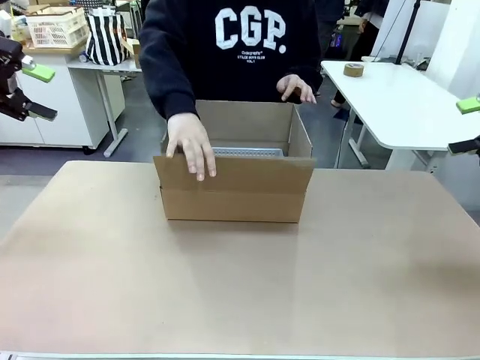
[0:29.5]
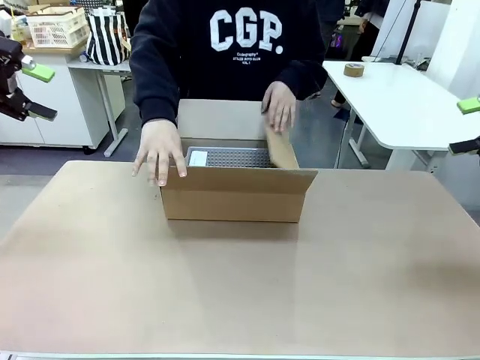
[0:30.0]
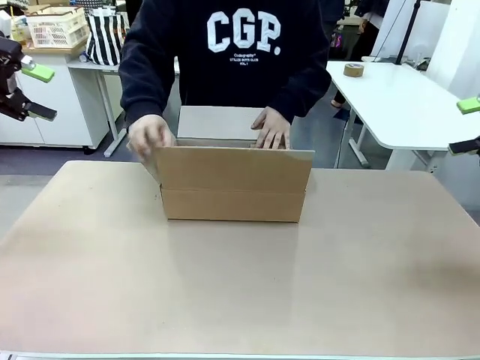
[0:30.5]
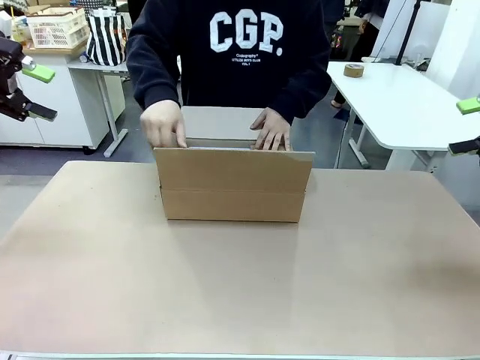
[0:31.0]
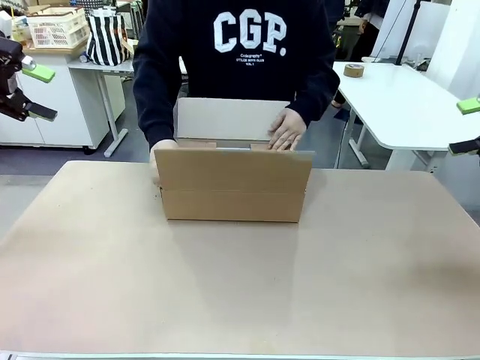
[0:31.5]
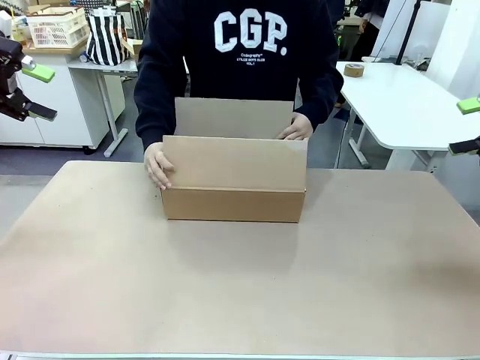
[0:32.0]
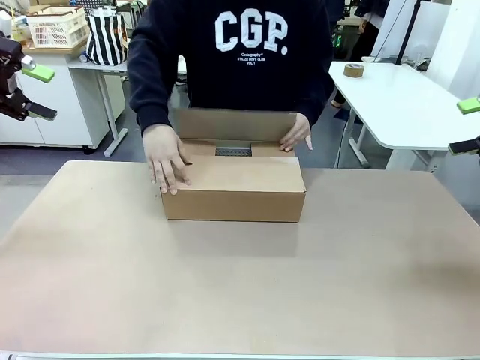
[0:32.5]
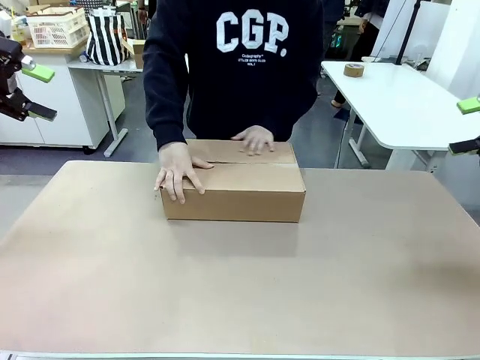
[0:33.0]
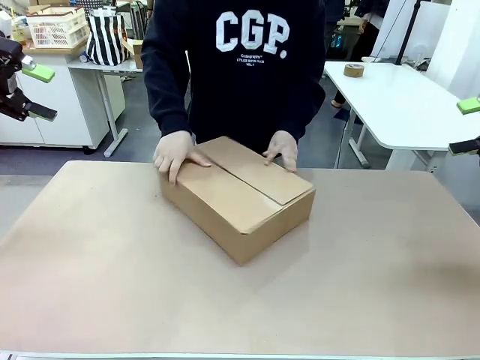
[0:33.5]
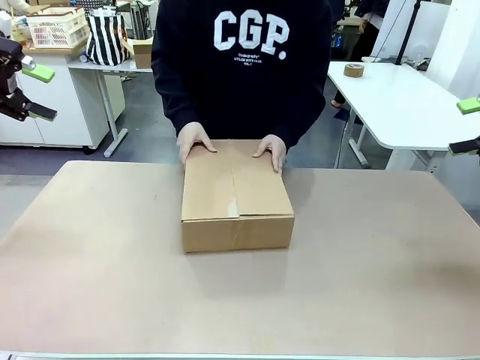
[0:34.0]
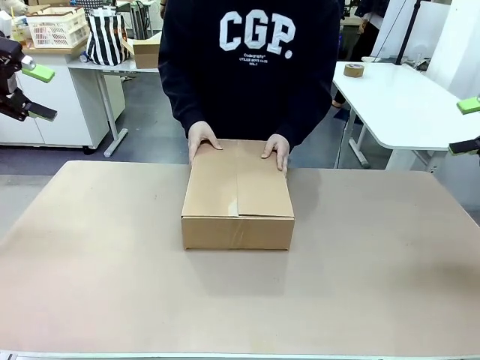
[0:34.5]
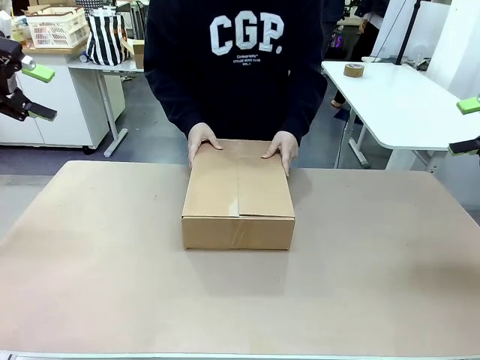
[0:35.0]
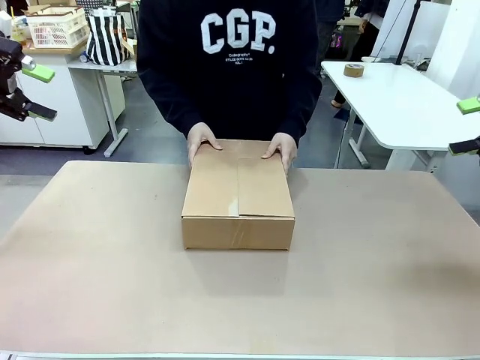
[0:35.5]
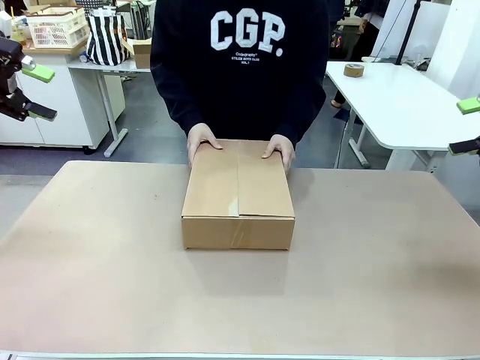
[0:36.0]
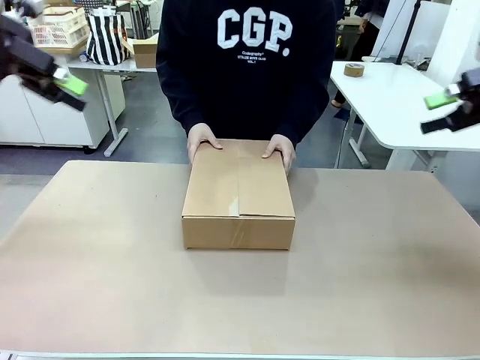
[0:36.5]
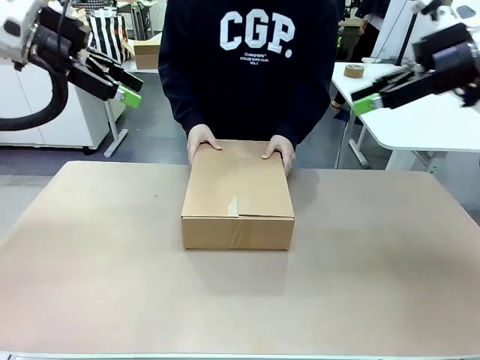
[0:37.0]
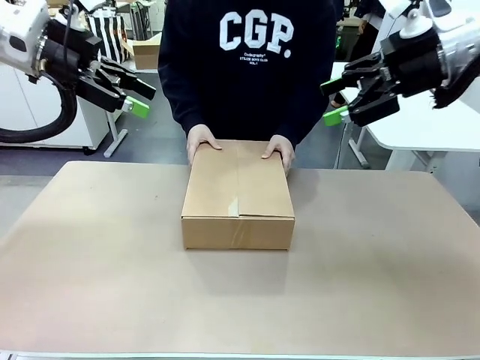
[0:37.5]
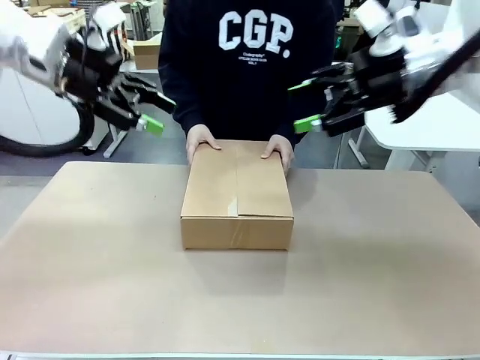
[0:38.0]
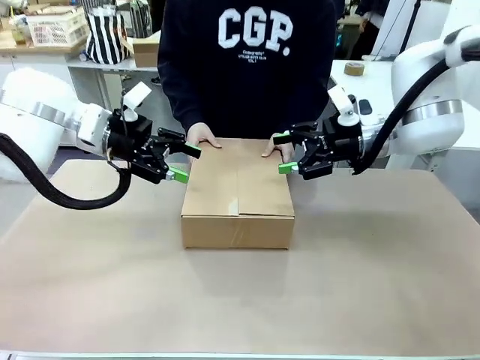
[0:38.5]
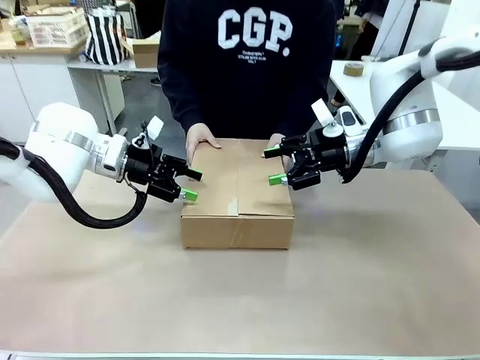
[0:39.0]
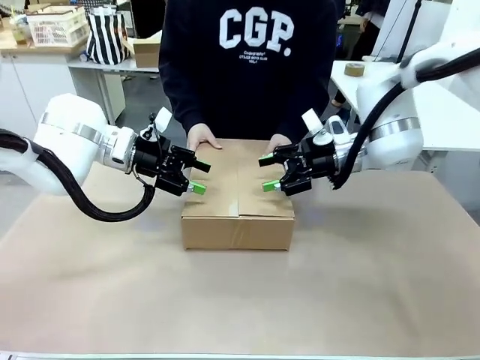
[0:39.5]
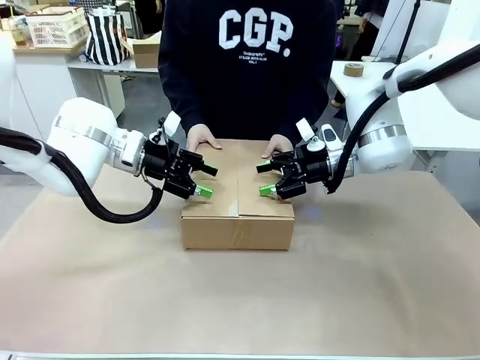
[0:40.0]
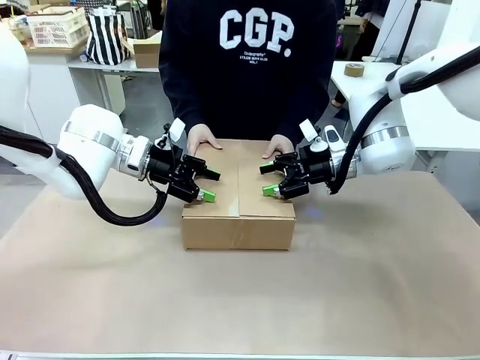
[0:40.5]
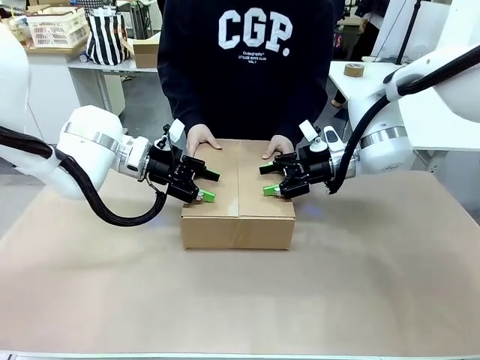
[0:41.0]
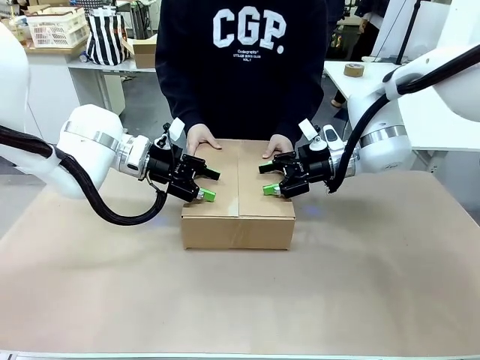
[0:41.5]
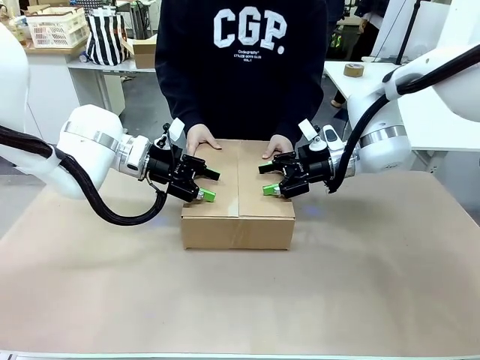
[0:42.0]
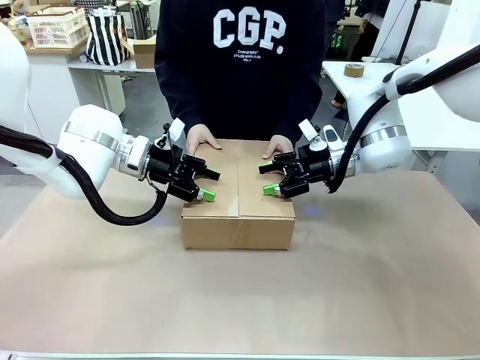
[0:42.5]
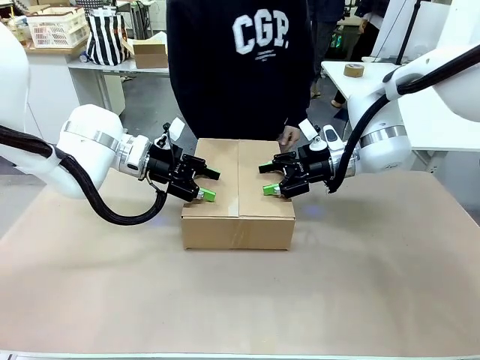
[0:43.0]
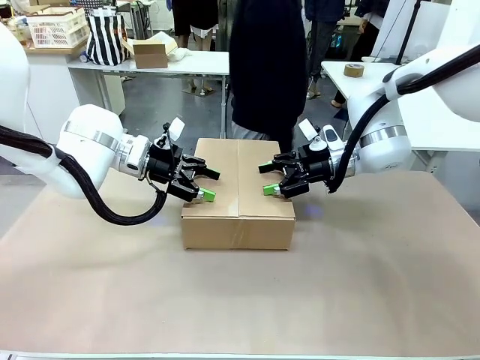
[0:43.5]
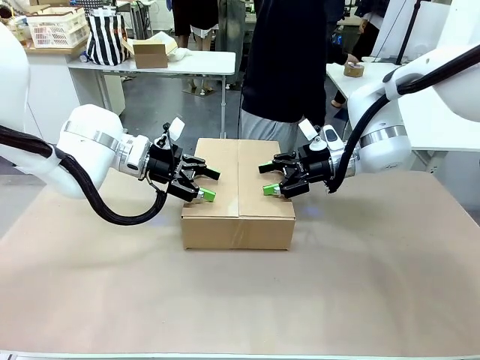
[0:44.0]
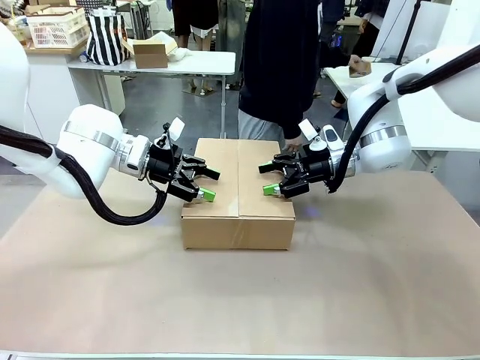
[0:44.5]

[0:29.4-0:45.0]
Task: Pack the gift set into the box.
Robot: Press and hold the closed box until the human finishes sealing it.
Person: The human closes the box and rotates the box by 90 degrees.

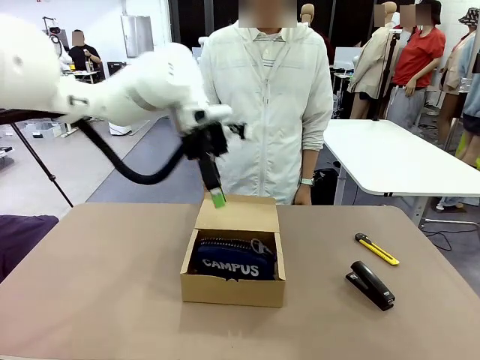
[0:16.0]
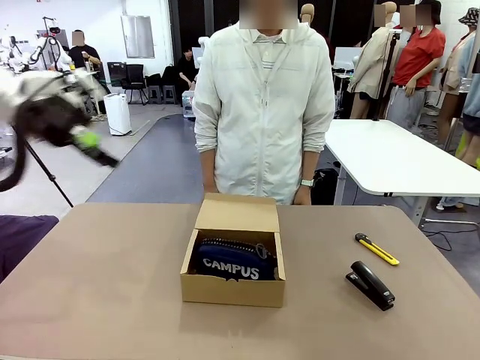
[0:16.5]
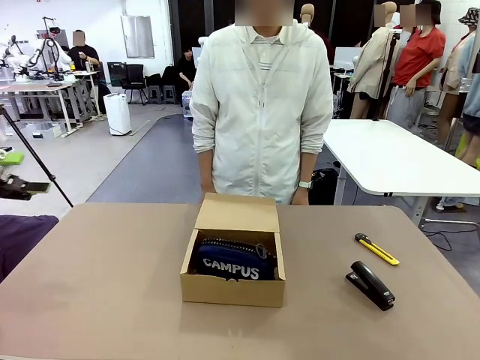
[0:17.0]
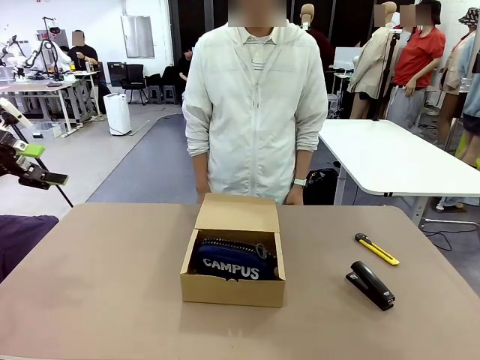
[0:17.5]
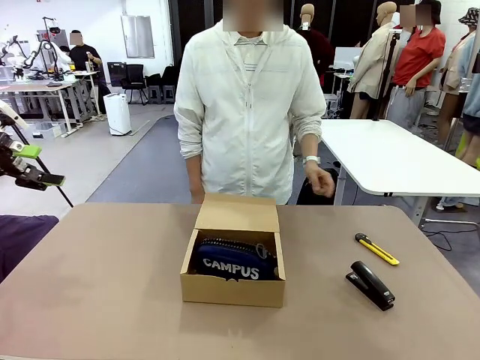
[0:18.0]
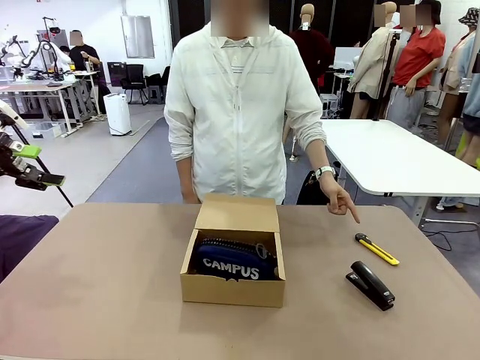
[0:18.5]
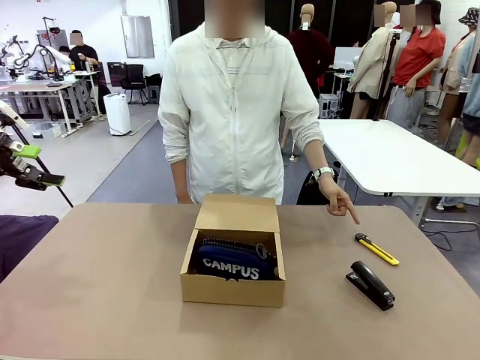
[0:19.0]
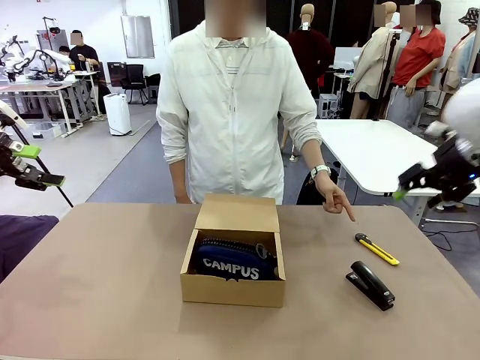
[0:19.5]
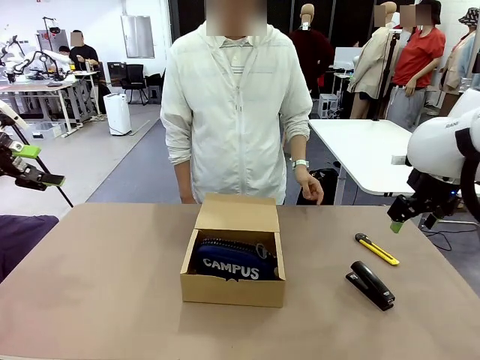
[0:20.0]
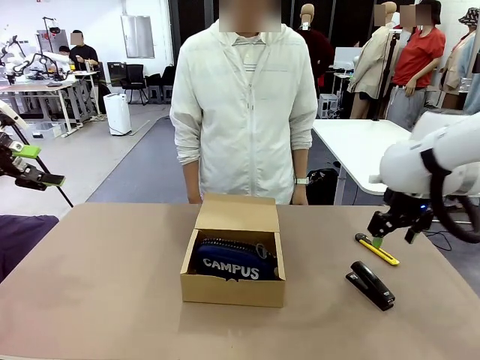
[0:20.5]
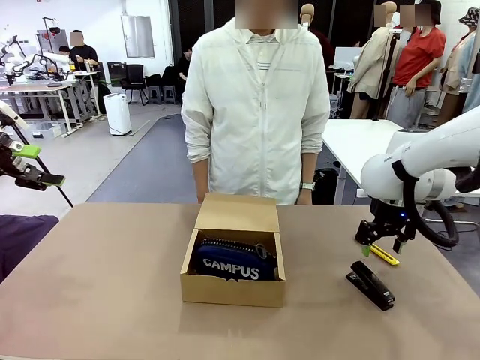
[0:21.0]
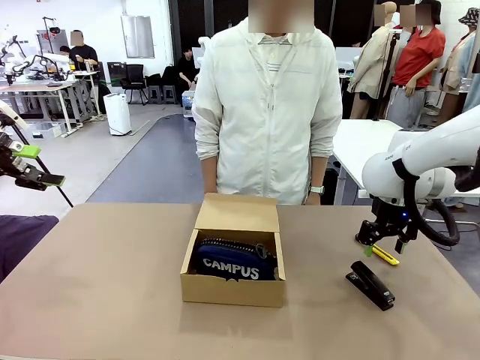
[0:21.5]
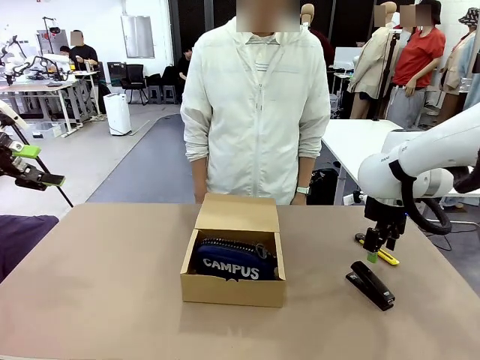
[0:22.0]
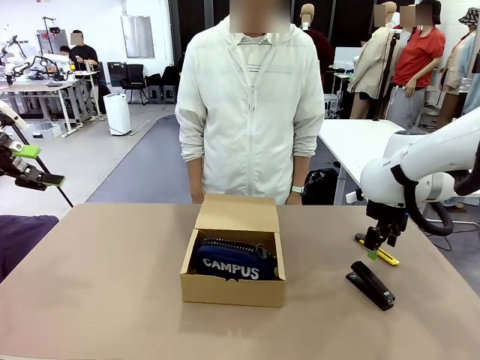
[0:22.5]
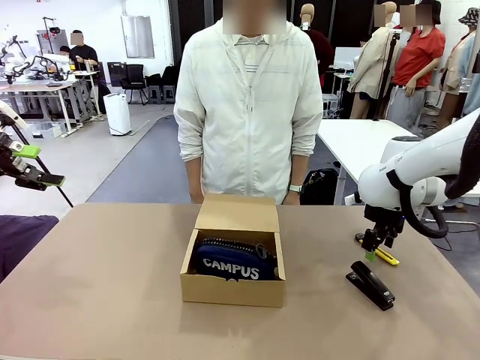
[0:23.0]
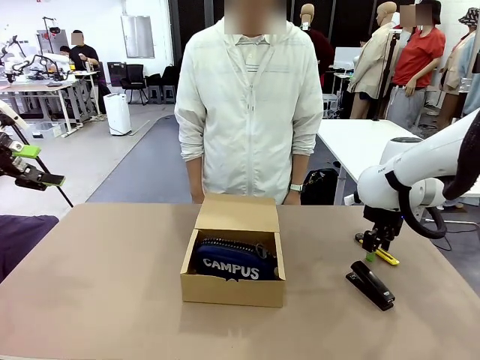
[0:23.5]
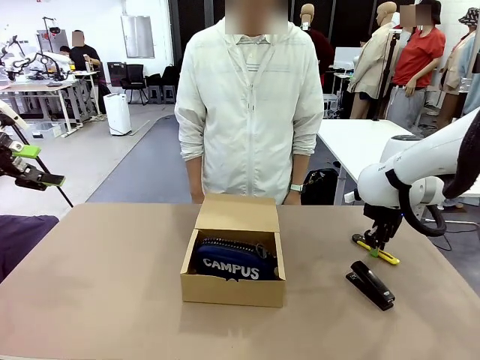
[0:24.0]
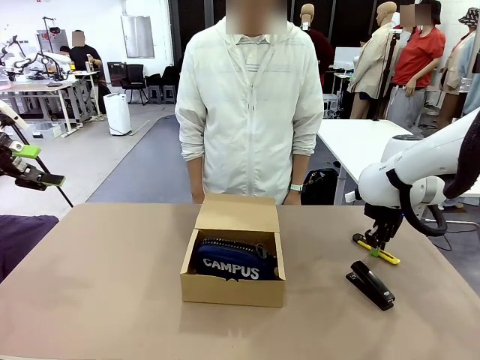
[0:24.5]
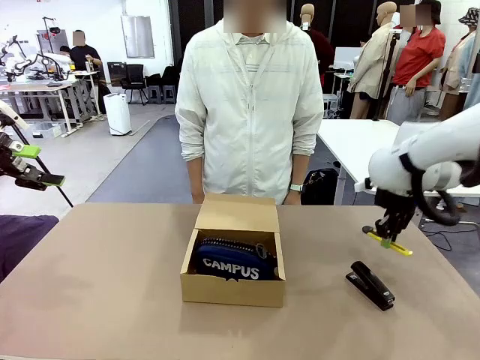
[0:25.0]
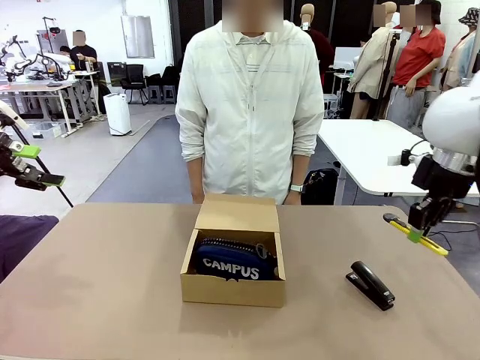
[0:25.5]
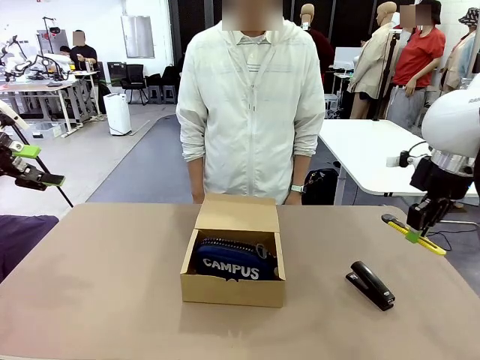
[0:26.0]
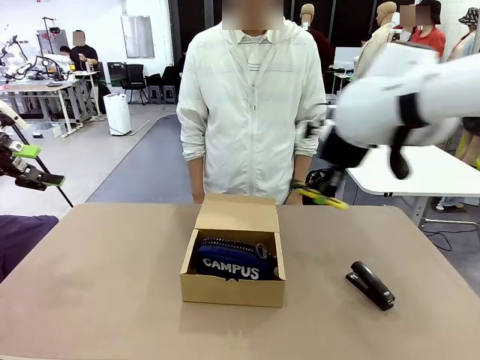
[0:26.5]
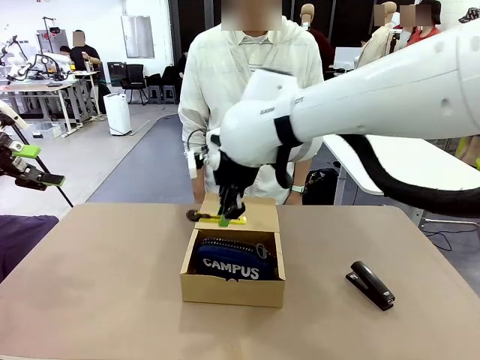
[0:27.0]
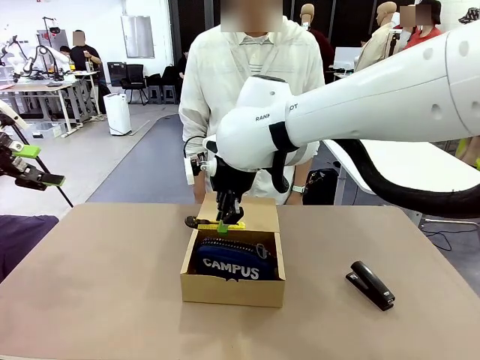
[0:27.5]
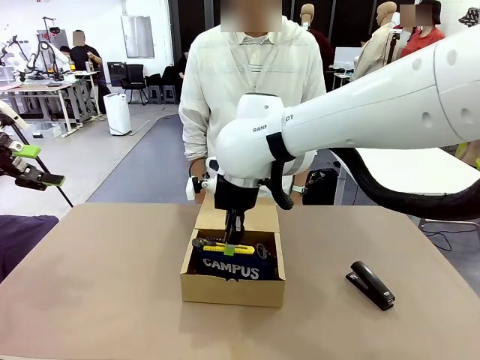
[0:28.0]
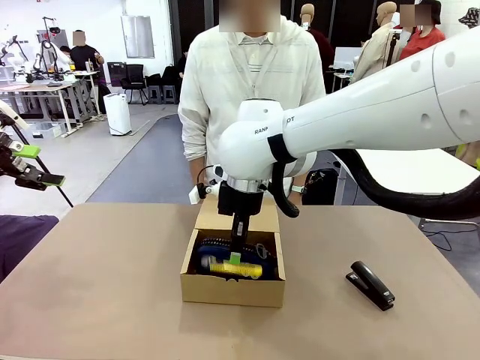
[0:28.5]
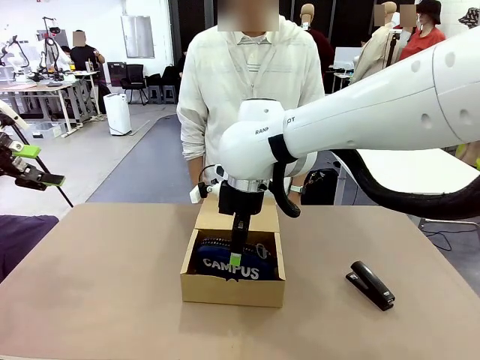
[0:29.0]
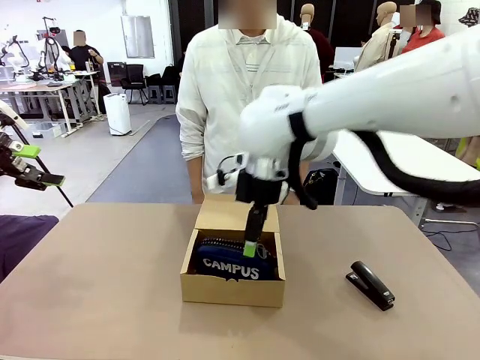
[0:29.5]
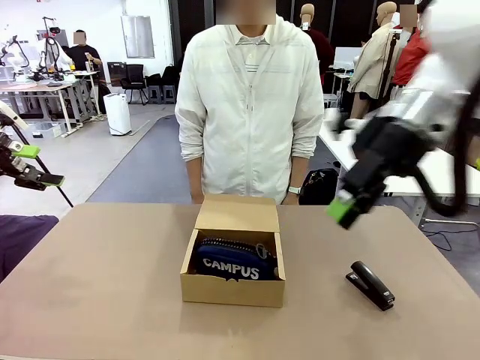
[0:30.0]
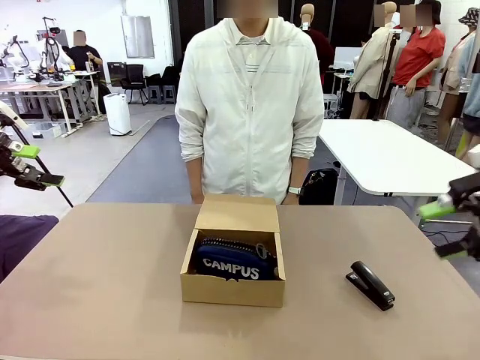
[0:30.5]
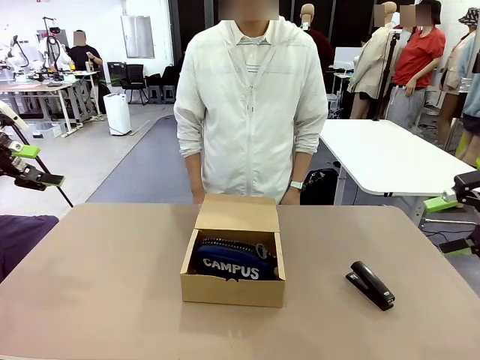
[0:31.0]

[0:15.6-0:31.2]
Task: Pack the items into the box.
Robot: Pick up the item specified by the human and place it in the Mailer Box.
Person: Lower both hands vertically with palms facing downward, as if pressing something closed.
